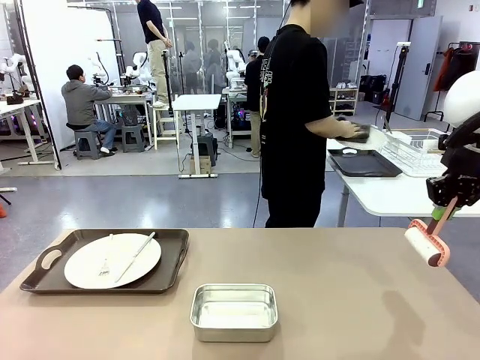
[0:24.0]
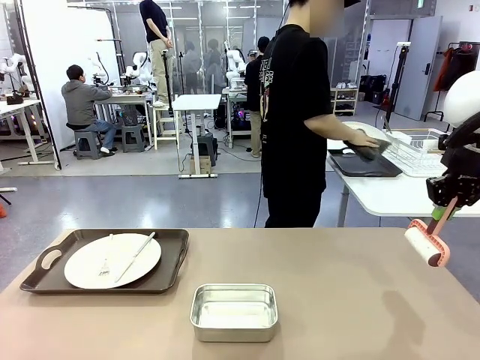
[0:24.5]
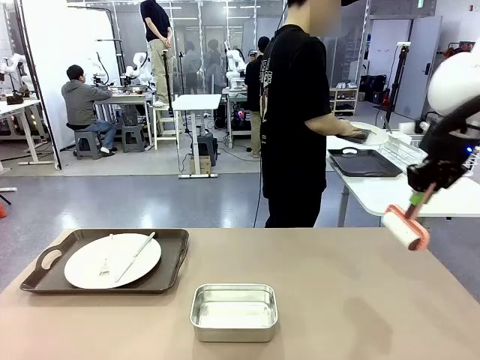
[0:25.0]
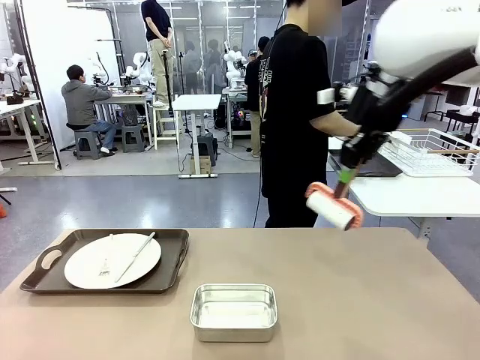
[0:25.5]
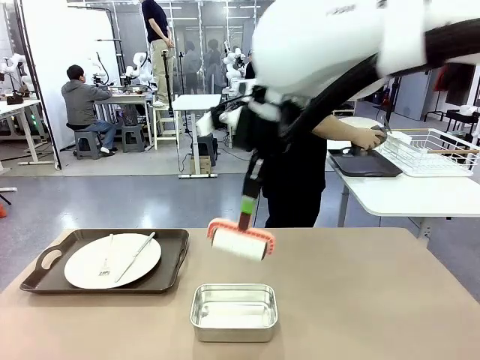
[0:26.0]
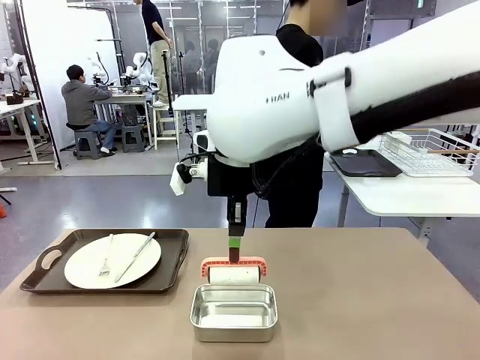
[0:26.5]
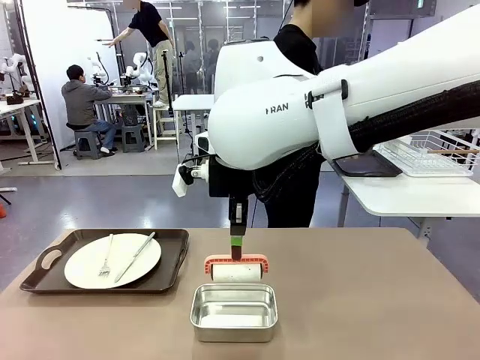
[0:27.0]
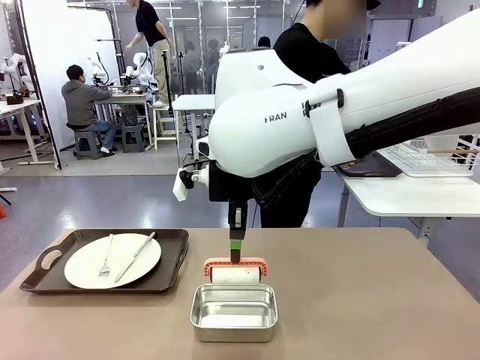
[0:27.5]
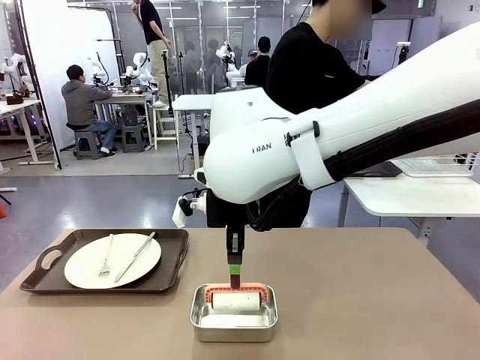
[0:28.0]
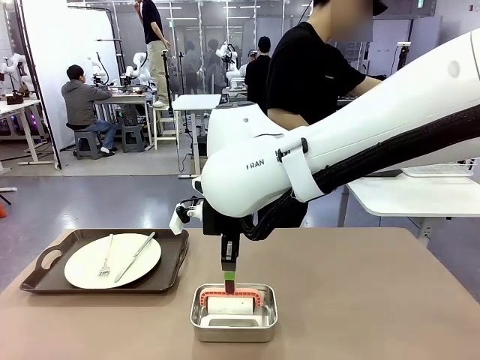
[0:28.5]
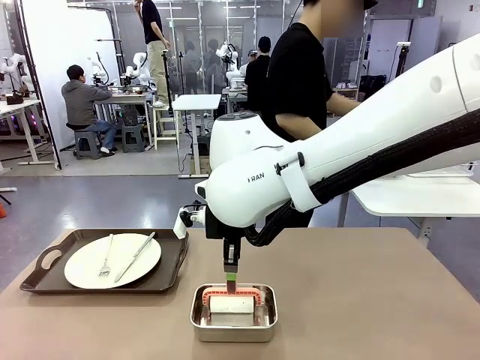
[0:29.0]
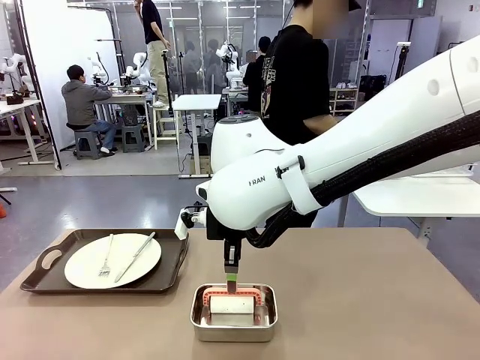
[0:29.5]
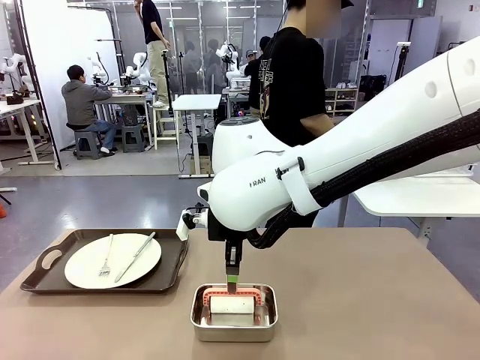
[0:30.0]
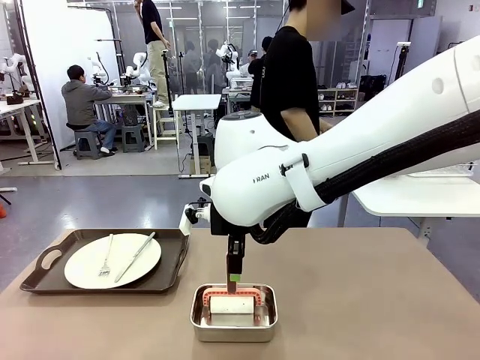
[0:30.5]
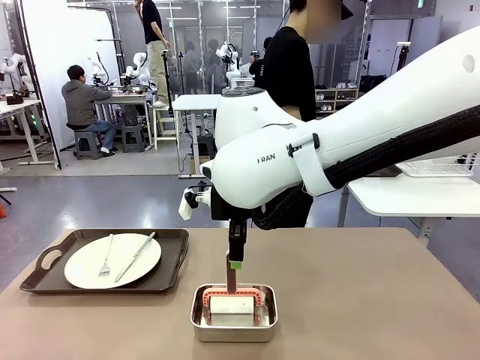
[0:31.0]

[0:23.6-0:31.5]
Robot: Place the Lint Roller back on top of the Airtight Container.

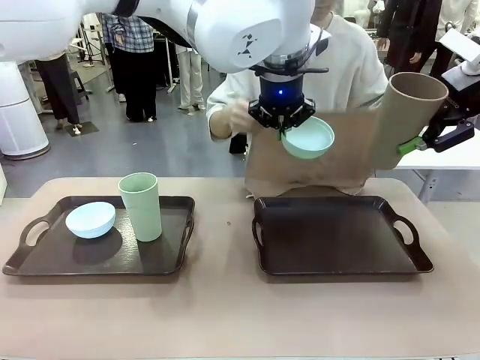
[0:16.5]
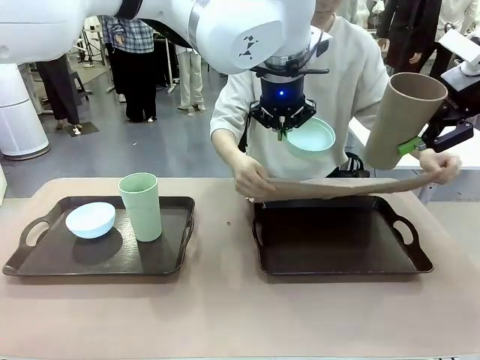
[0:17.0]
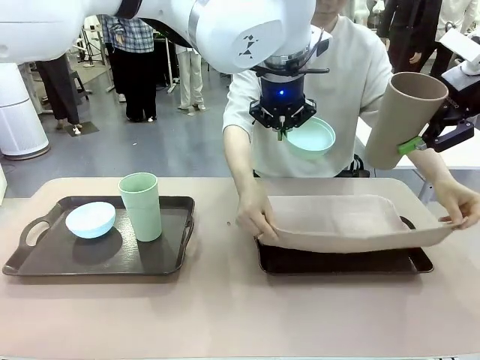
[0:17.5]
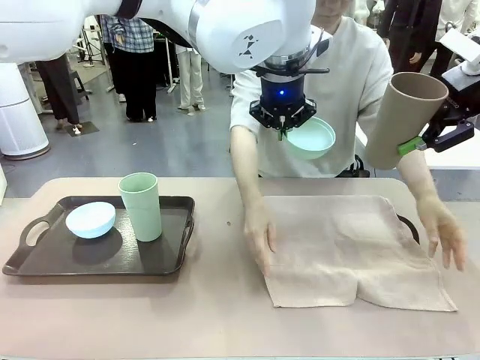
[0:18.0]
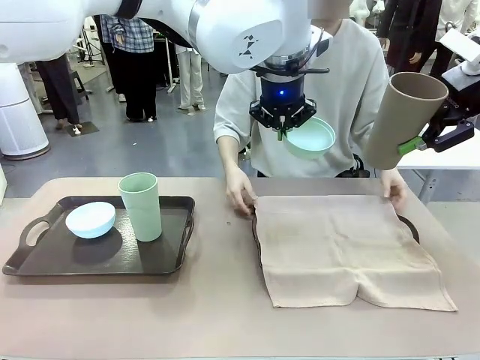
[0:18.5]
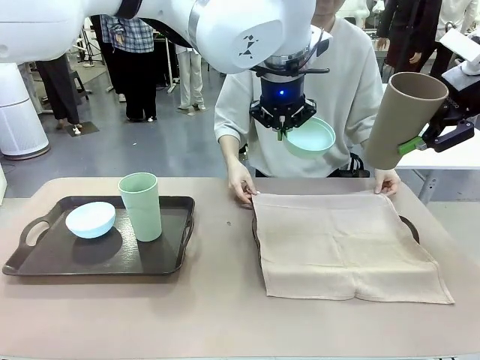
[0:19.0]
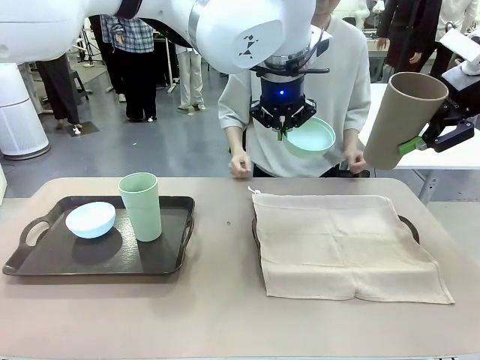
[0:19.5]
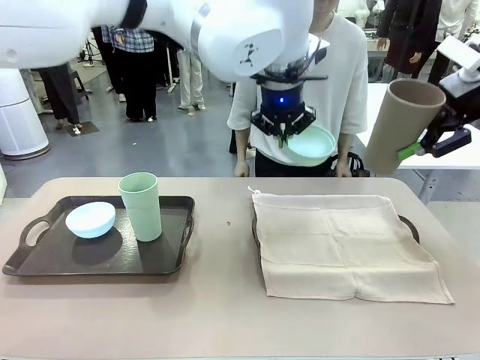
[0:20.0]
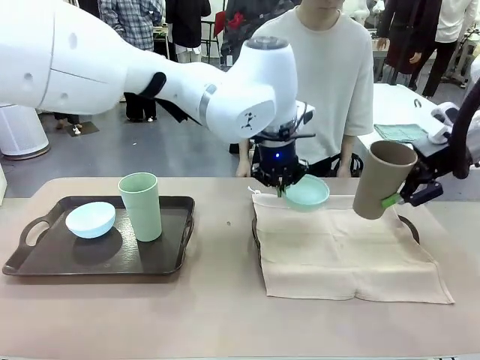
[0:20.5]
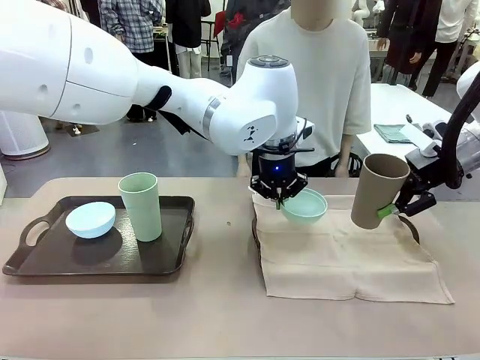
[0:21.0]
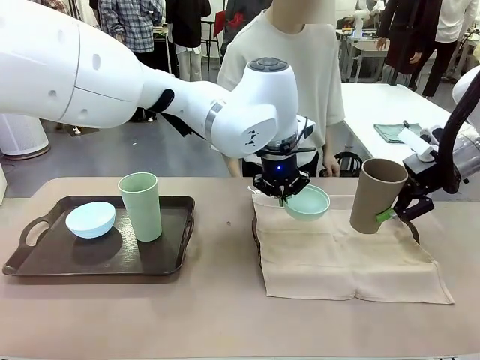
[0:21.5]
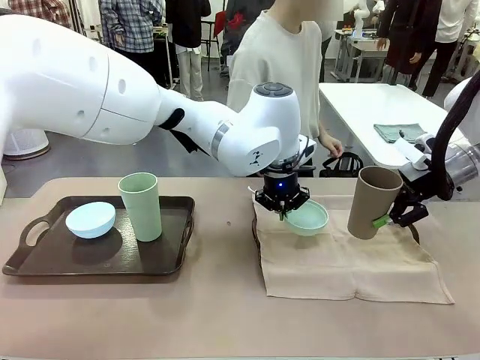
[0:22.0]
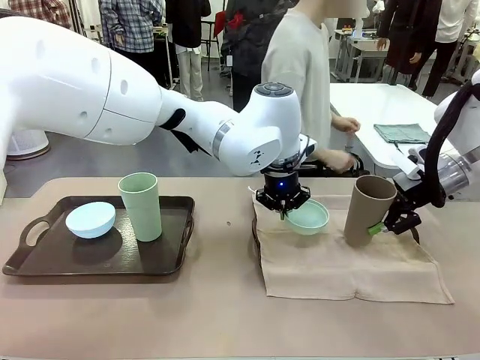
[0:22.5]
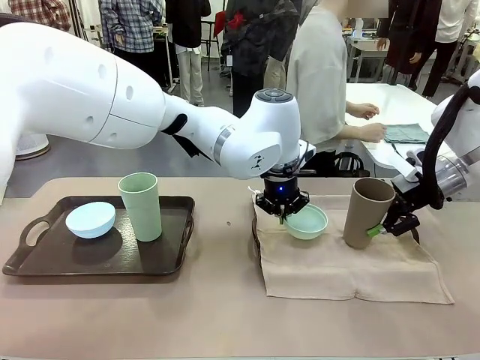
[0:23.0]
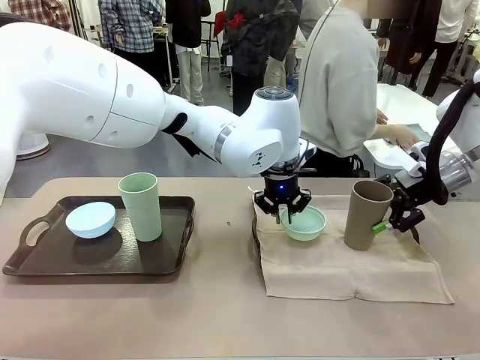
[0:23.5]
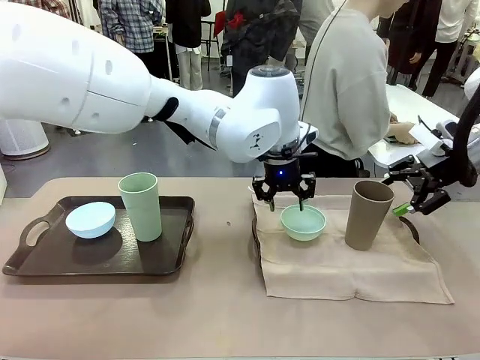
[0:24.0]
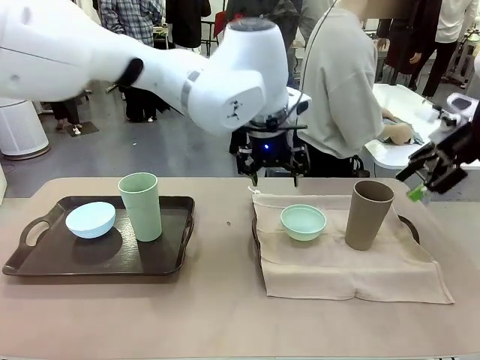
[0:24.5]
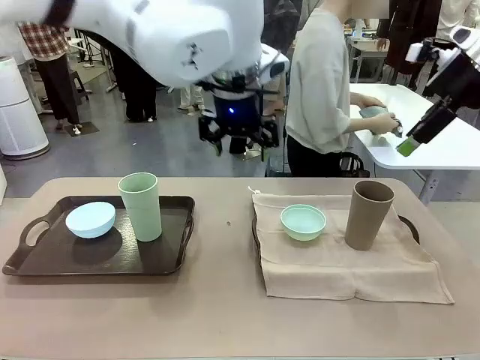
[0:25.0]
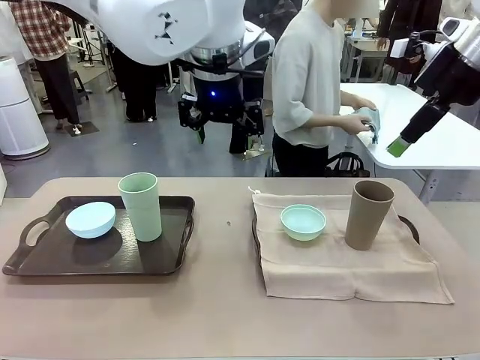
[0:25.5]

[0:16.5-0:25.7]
Robot: Place the Picnic Bowl and Reusable plastic cup back onto the Handle tray in front of the human's position.
Person: The human returns to the human table to pick up another napkin and walks to the robot table to stand in front of the tray without a napkin.
